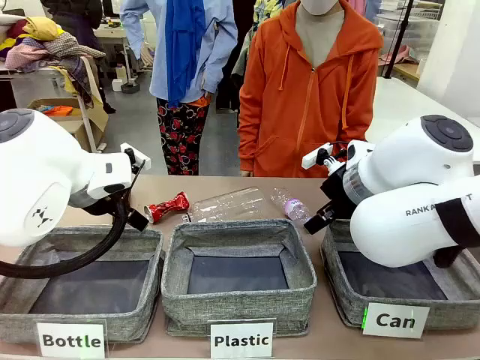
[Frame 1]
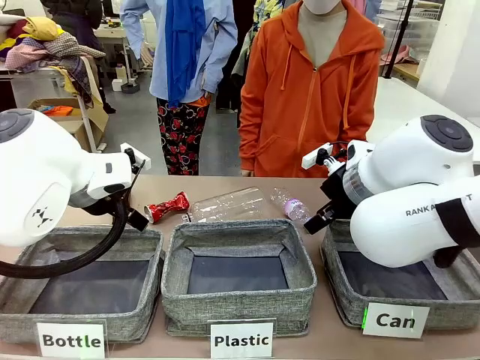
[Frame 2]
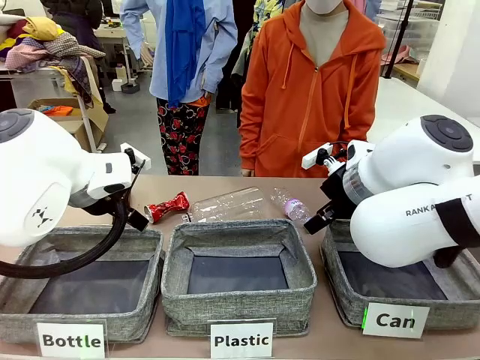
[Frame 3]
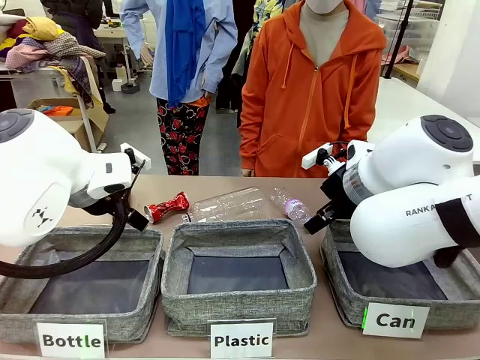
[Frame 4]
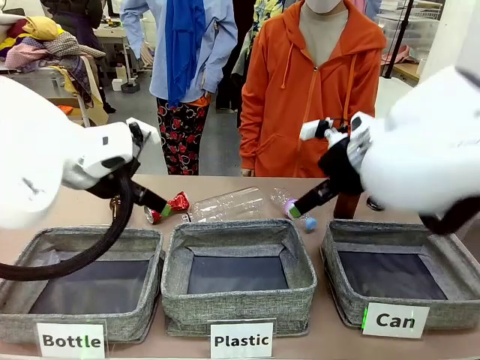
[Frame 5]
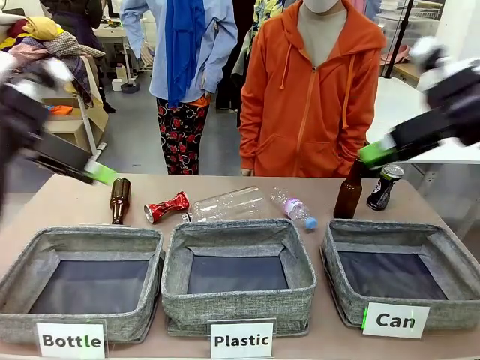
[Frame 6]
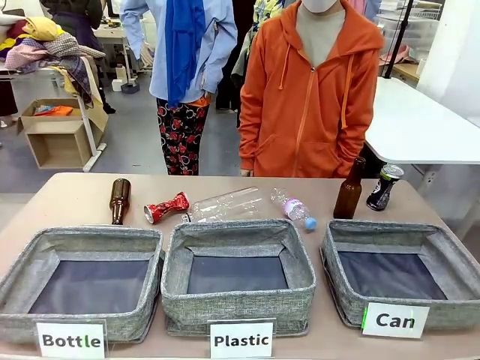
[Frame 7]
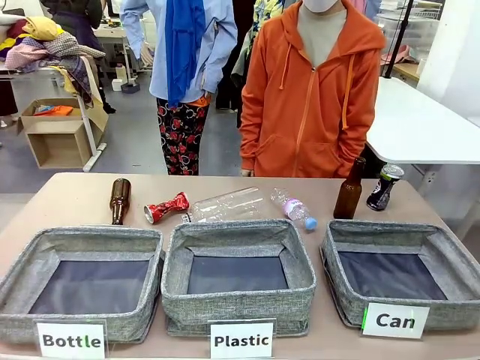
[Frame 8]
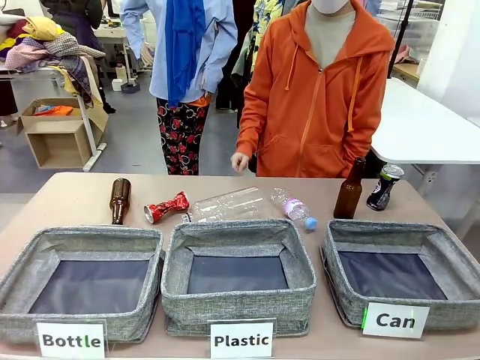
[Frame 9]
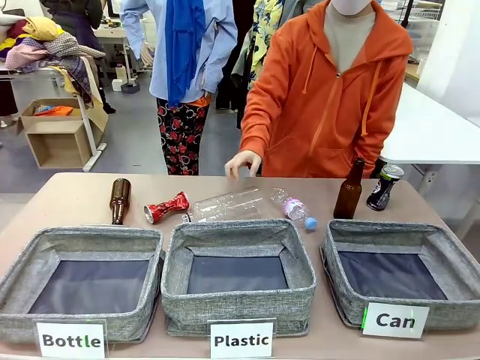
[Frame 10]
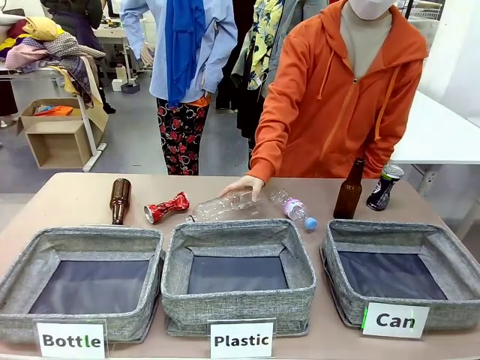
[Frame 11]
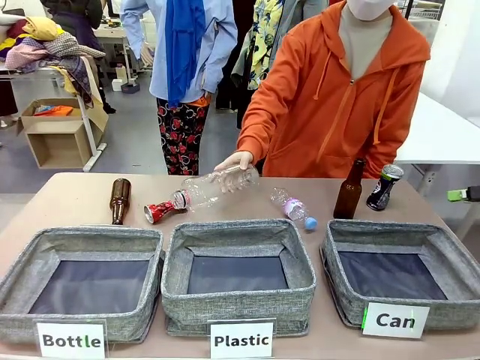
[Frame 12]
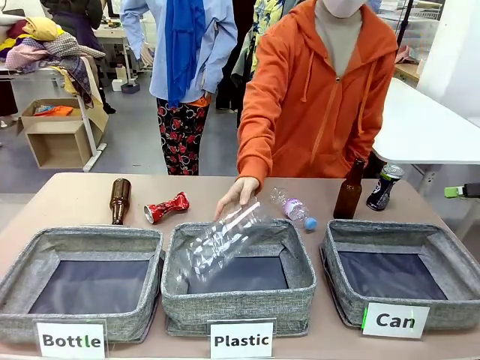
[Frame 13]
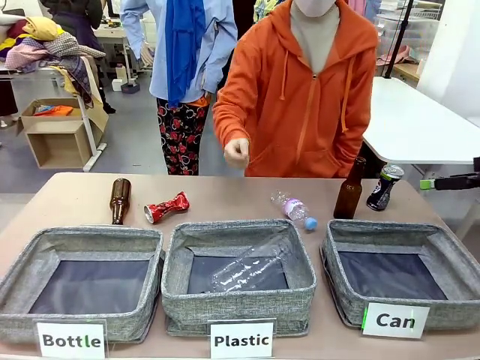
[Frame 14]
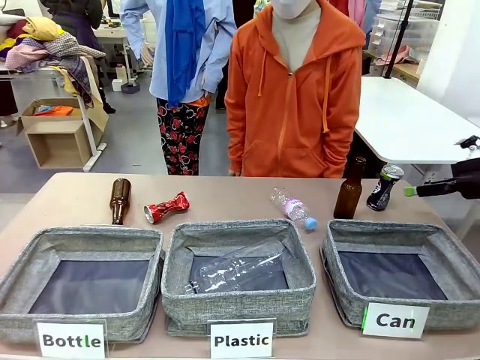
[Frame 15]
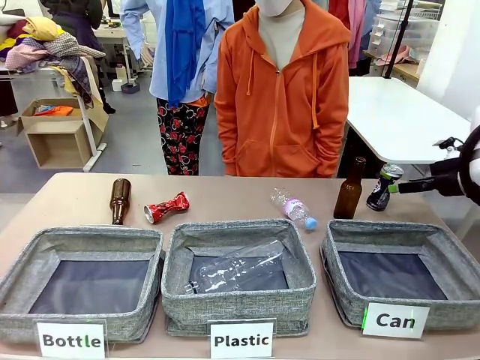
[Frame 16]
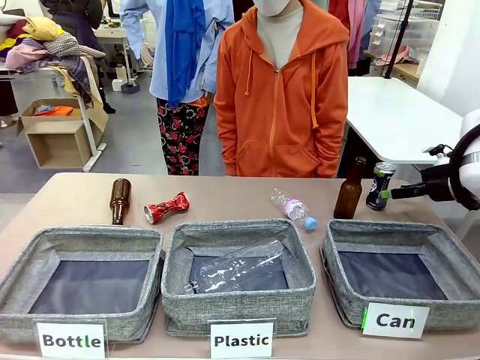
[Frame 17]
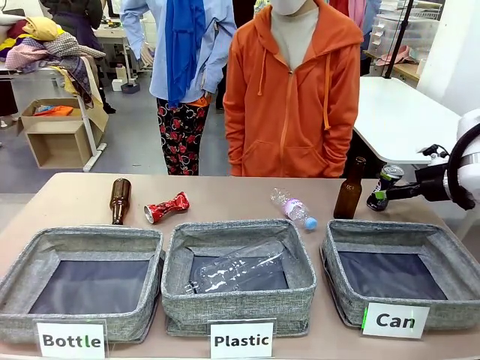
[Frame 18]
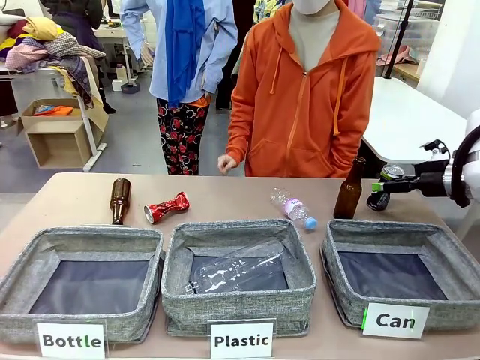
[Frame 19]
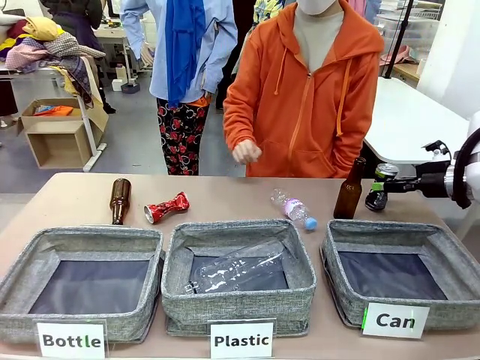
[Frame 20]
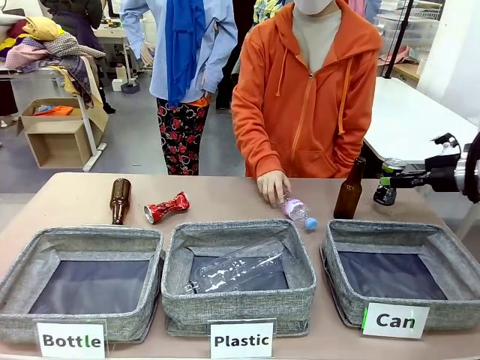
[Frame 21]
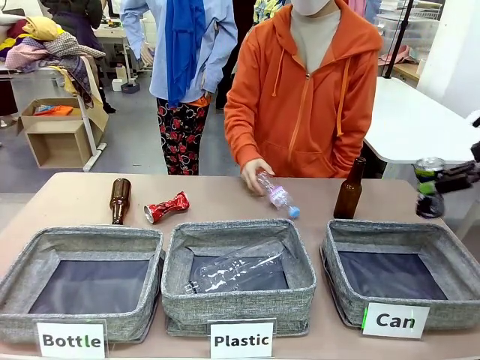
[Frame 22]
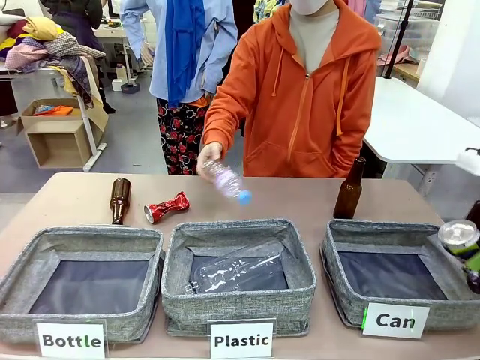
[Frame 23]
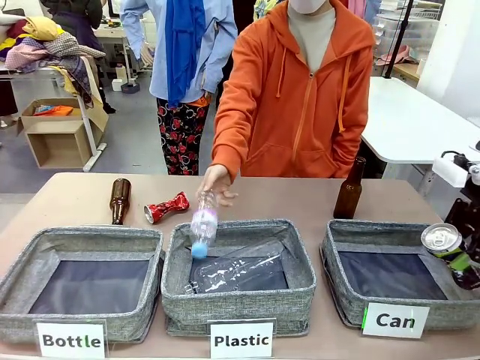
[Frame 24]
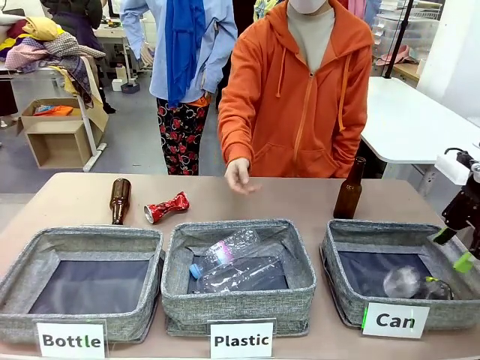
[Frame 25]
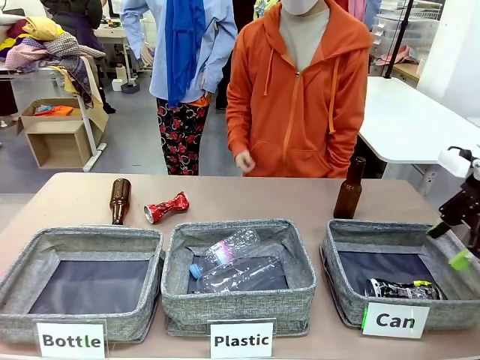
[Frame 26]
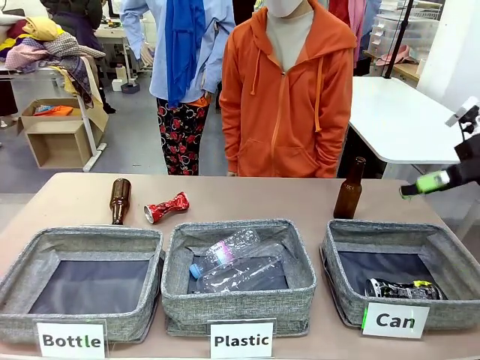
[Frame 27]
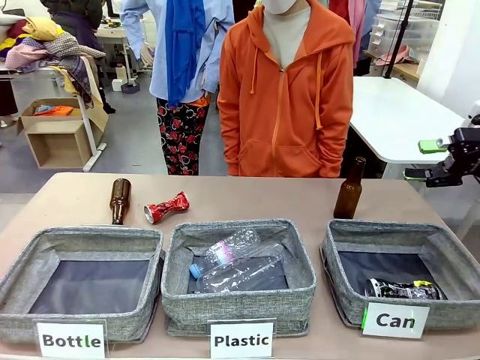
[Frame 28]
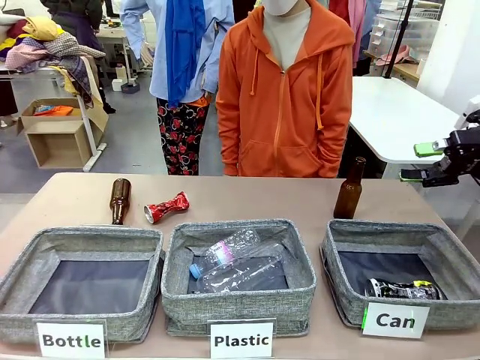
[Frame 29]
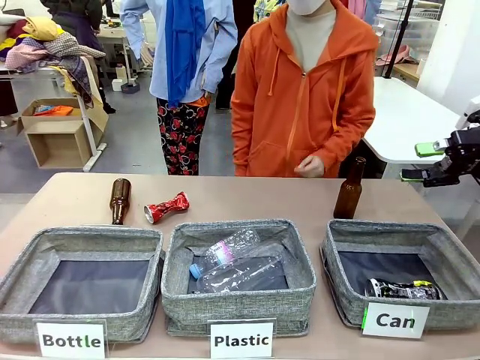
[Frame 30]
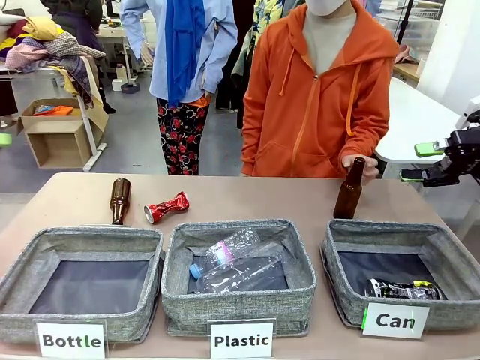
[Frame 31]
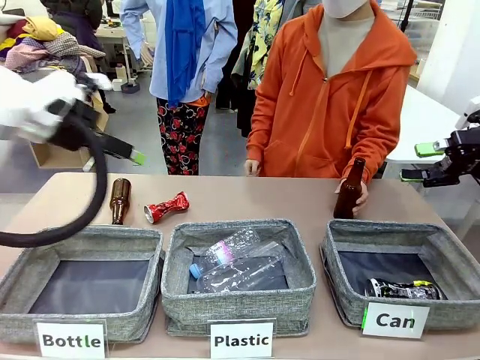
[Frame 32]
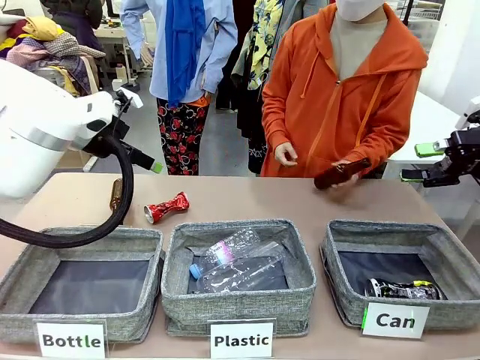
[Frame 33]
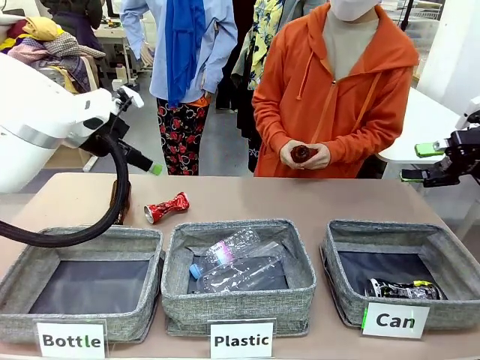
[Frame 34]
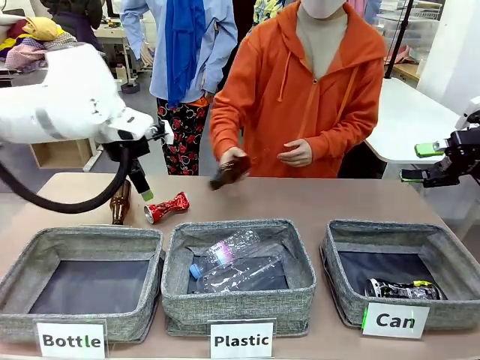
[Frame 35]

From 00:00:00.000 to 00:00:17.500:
Task: Sort the can waste into the basket.
Robot: Pick up the can waste from the table and place it in the right Fabric basket.
